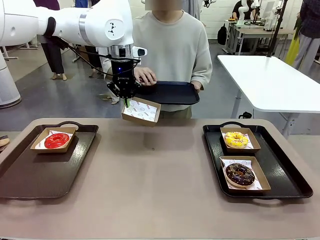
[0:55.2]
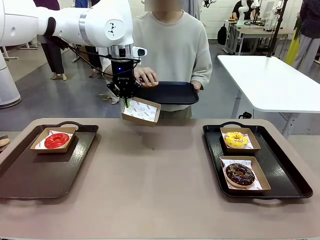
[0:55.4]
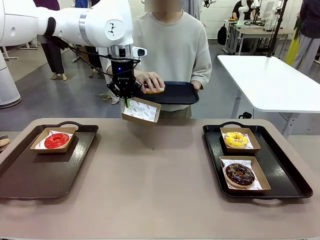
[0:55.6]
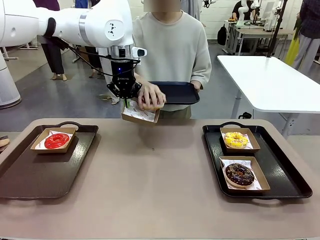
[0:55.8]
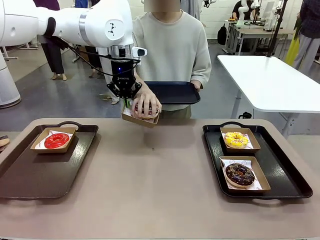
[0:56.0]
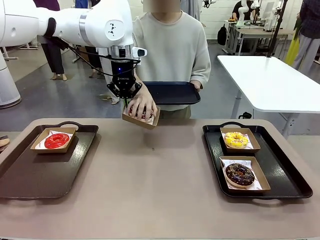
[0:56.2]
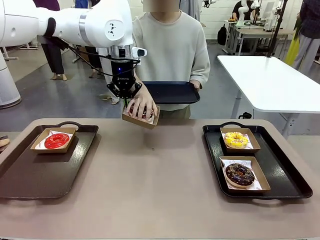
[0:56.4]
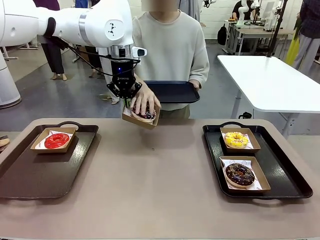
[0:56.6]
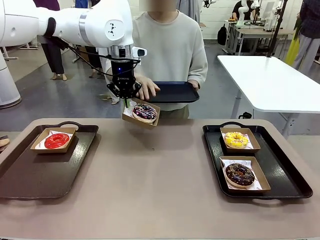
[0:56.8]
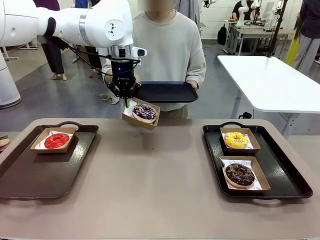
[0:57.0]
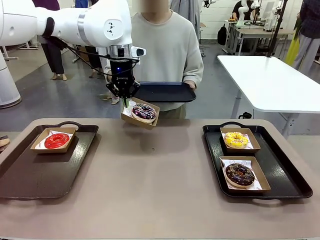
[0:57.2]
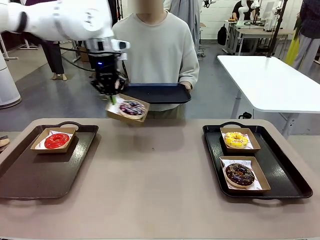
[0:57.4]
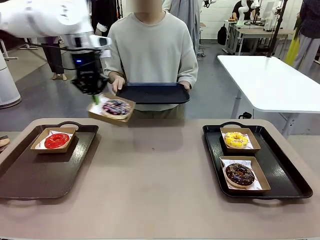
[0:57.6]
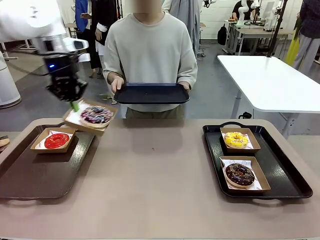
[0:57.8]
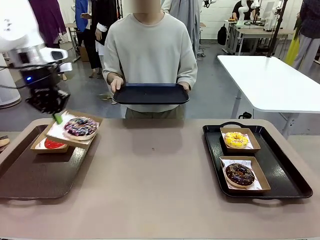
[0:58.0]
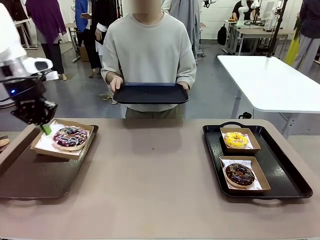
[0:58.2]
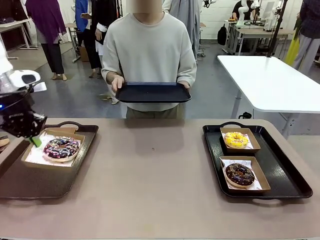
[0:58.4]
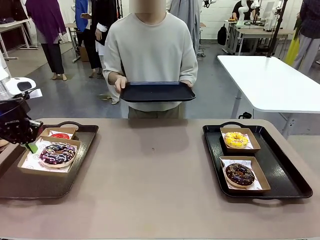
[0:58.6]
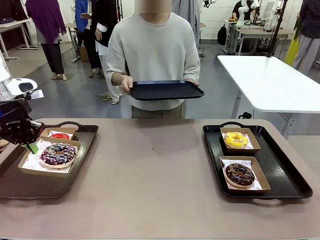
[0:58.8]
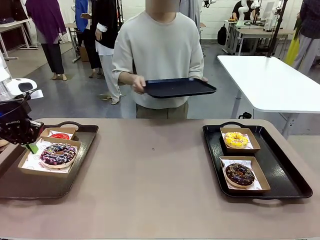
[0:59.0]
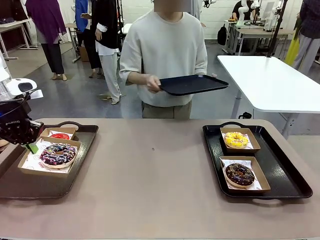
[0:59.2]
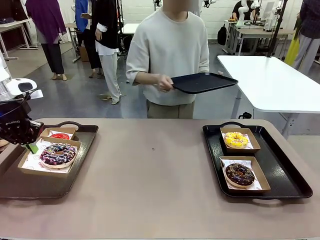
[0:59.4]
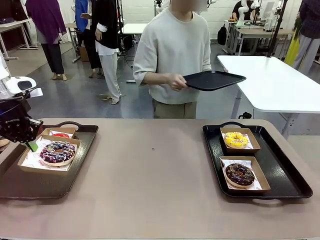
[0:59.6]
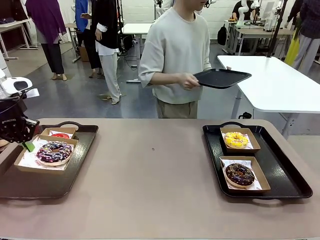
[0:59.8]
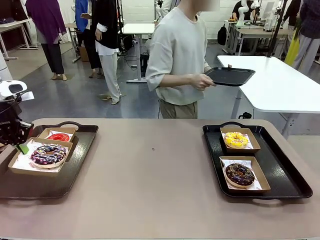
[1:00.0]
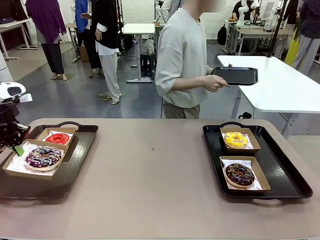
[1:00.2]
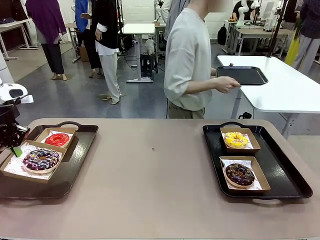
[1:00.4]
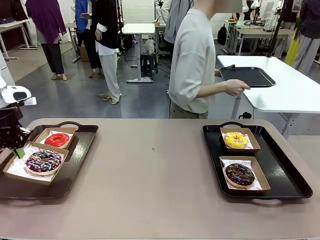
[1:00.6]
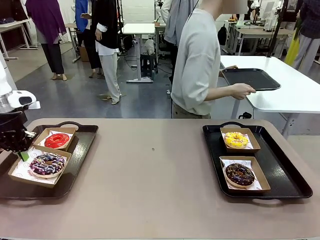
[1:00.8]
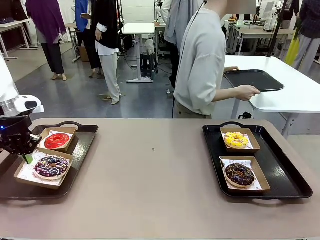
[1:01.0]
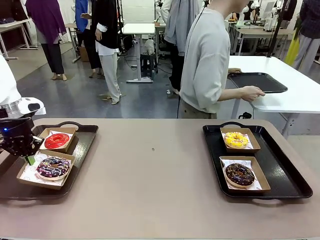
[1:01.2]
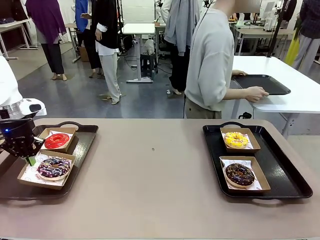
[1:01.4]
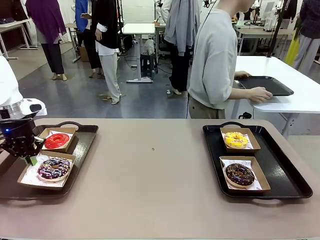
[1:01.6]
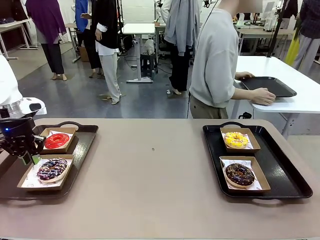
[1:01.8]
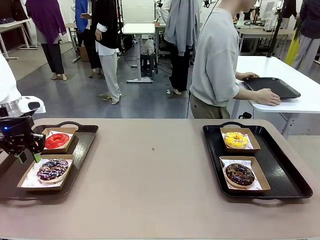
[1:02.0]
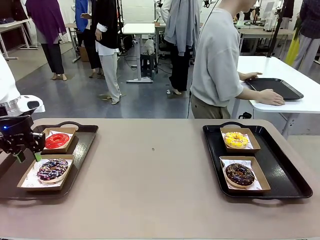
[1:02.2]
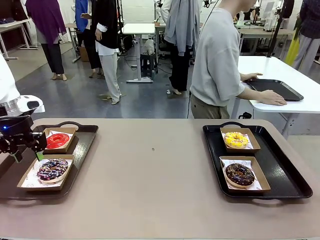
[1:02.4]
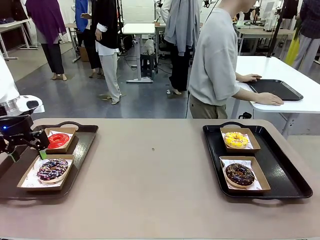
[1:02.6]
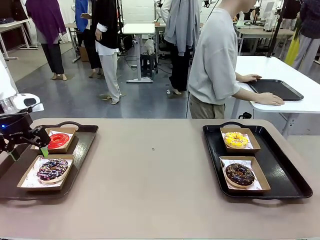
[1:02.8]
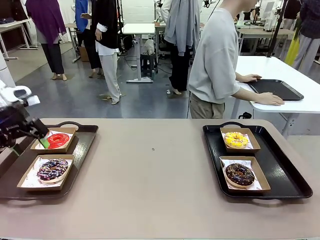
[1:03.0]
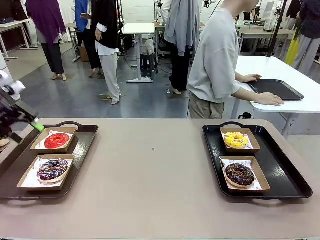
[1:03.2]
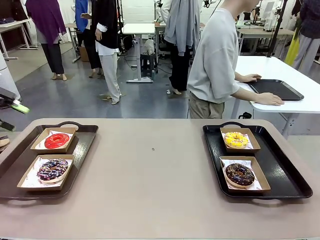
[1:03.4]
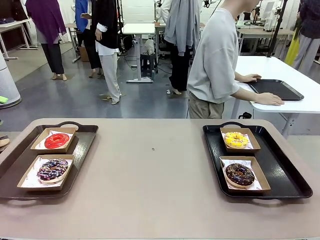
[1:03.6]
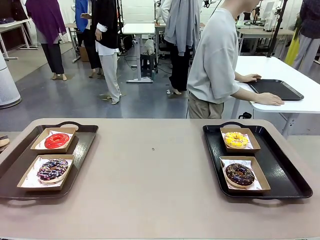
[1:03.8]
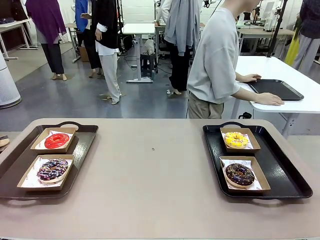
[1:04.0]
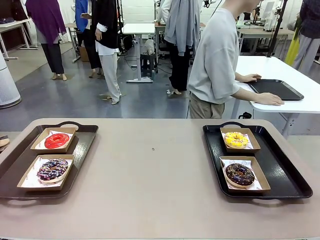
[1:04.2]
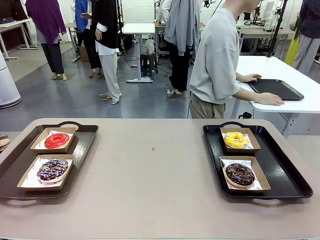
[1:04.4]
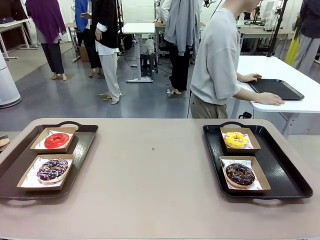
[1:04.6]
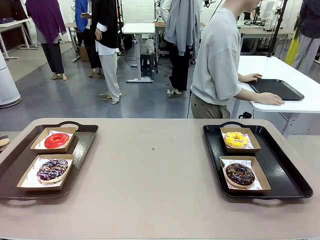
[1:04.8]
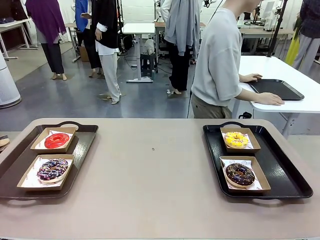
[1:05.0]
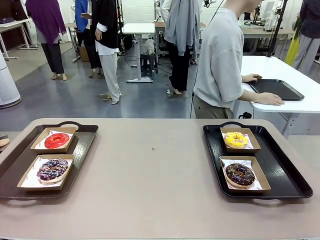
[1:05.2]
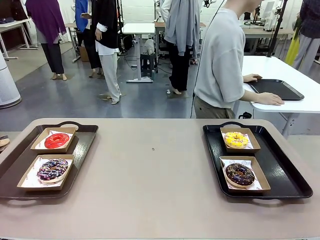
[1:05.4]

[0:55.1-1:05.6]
Task: Individually package the donuts and arrange them on the tray.
Robot: Place the picked Paper togo box on the Handle tray.
Person: Place the tray down in the middle of the human table.
